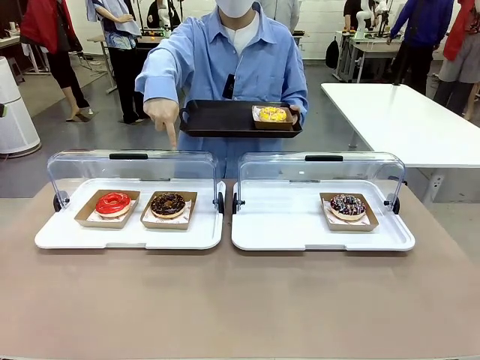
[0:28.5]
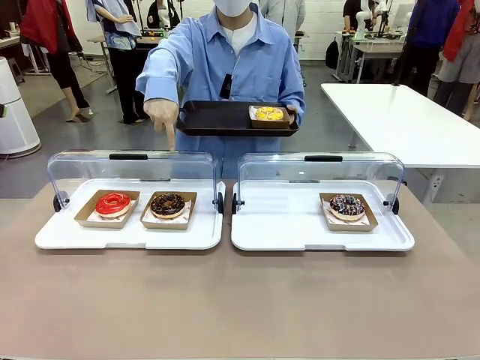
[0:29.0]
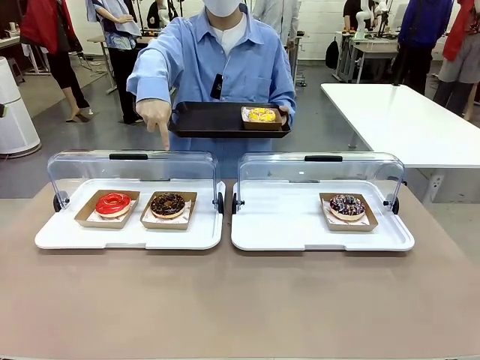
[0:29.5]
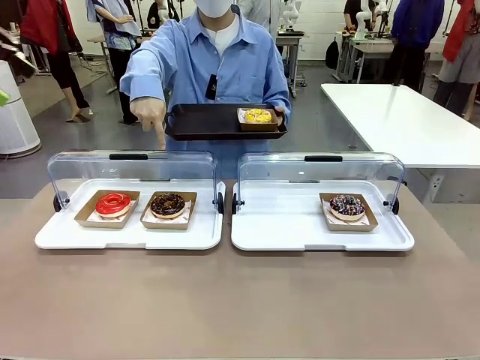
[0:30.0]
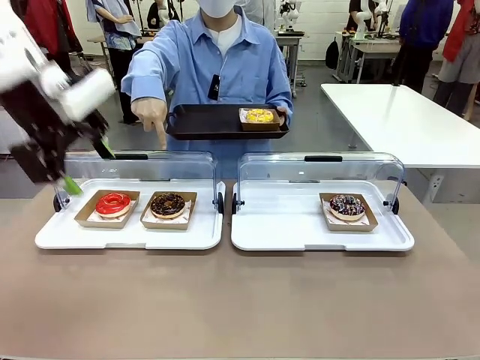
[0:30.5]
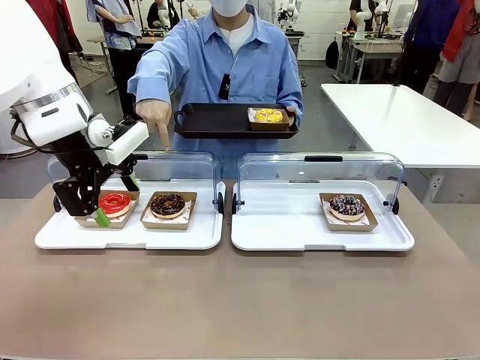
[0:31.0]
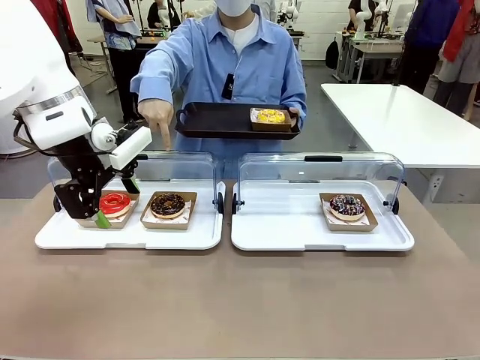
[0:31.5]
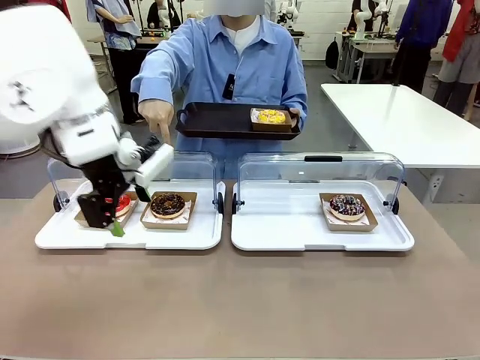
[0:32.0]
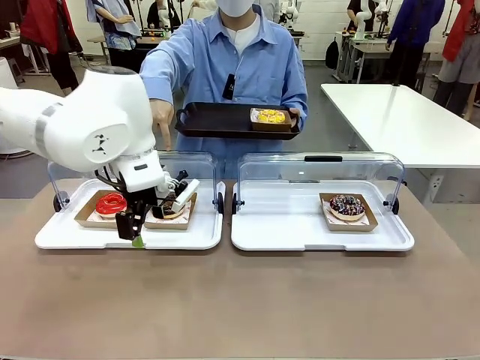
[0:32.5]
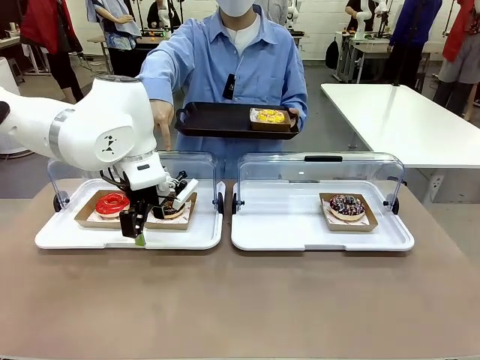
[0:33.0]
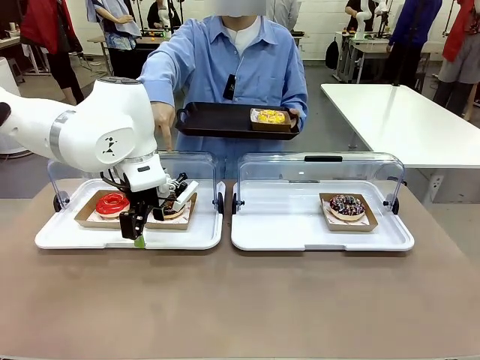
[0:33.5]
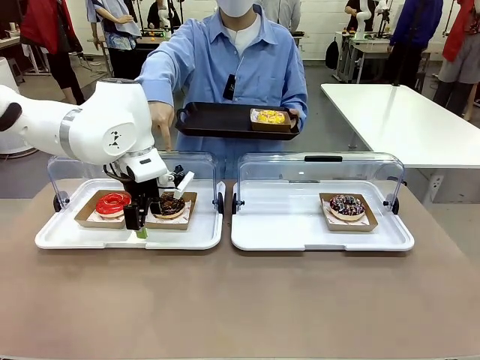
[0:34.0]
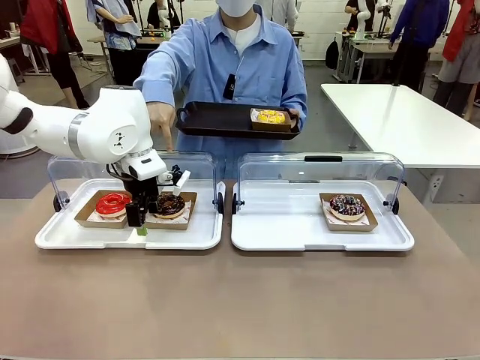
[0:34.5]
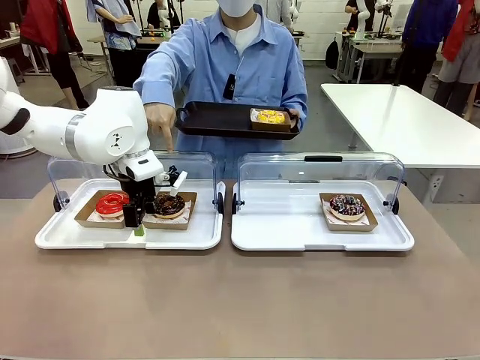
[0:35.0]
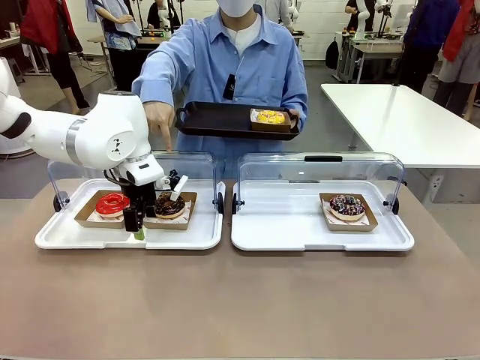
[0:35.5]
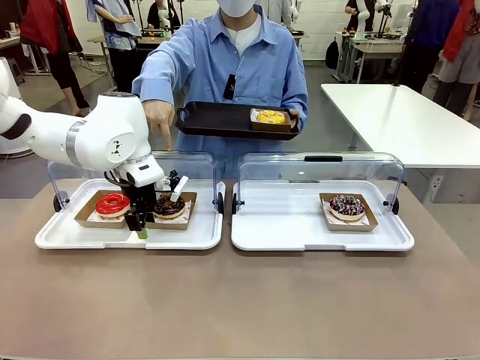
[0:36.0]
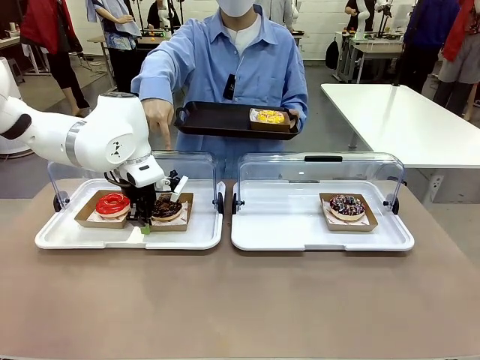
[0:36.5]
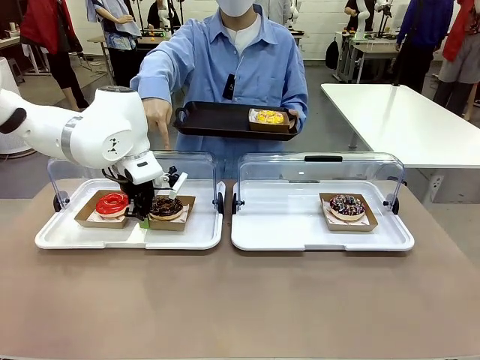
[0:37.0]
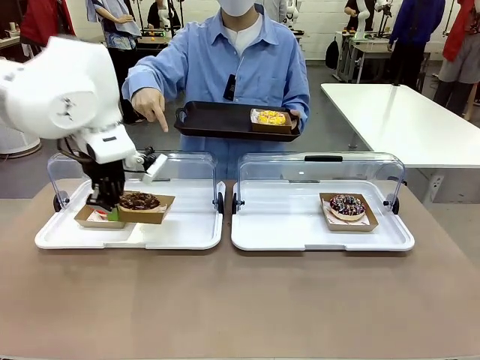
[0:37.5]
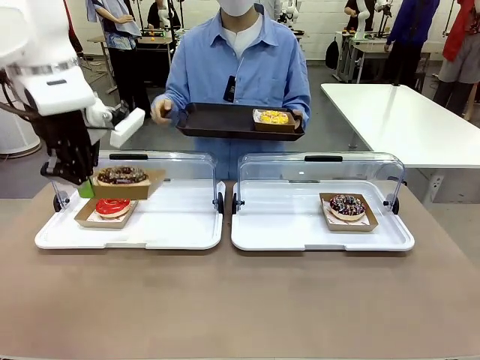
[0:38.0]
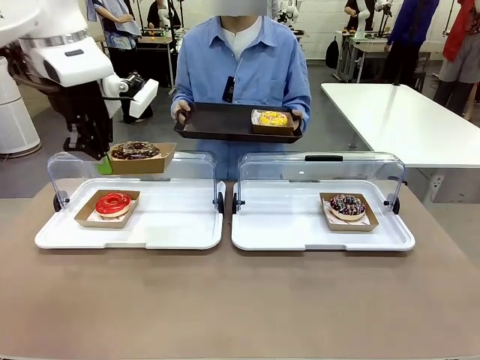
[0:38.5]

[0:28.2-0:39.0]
Task: Provide the desired donut to the person.
Robot: Pick up and lift the Paper togo box containing the Donut pointed at by the person.
Person: Lift the tray onto the Roll-Top Bakery Case.

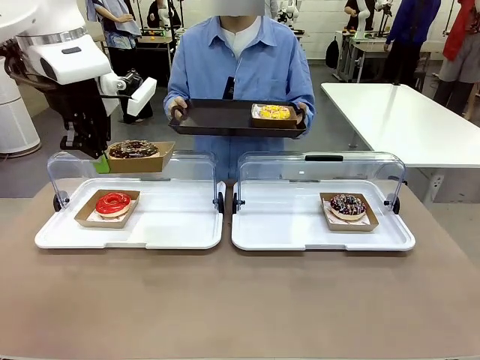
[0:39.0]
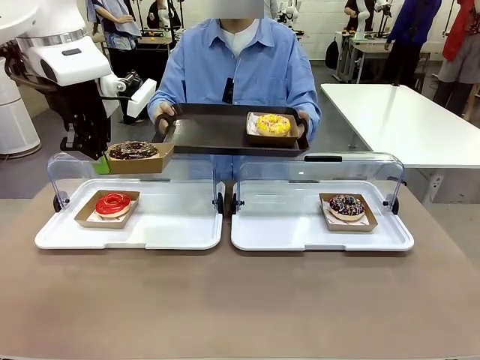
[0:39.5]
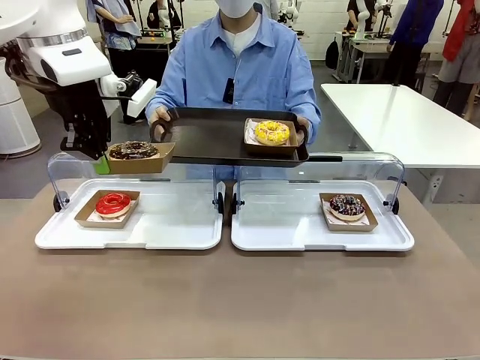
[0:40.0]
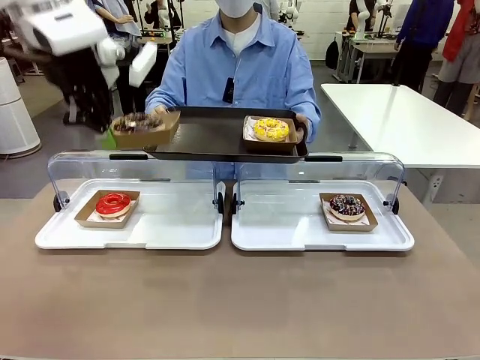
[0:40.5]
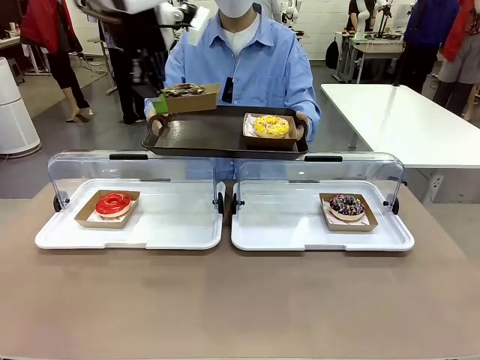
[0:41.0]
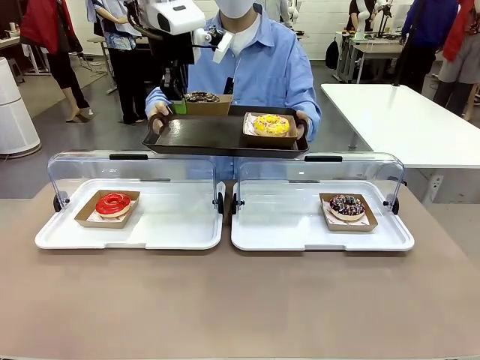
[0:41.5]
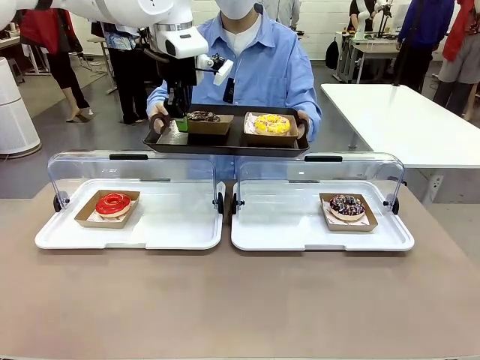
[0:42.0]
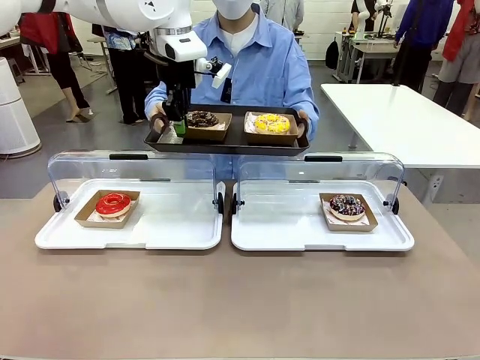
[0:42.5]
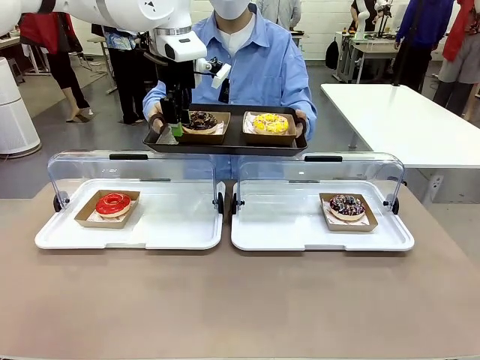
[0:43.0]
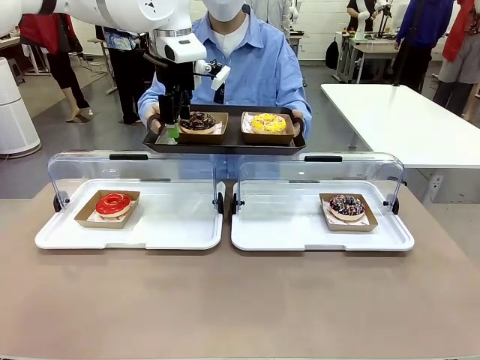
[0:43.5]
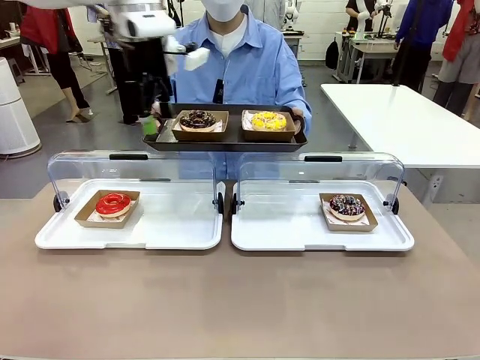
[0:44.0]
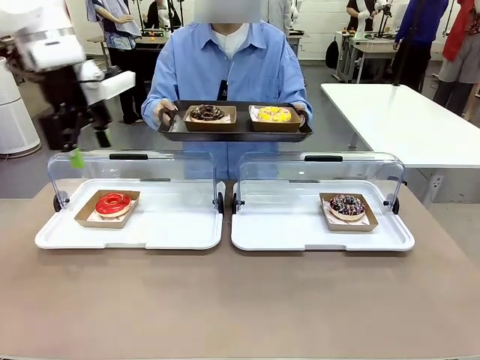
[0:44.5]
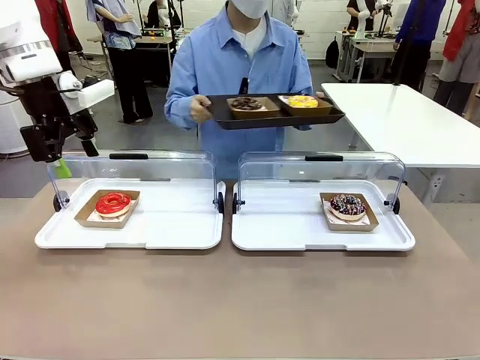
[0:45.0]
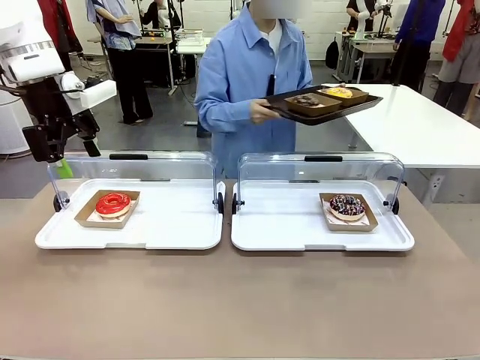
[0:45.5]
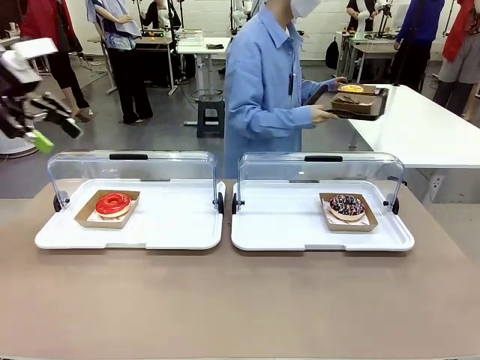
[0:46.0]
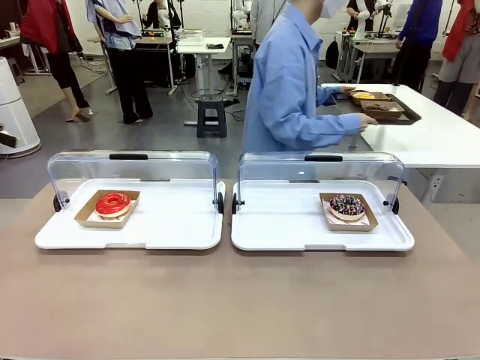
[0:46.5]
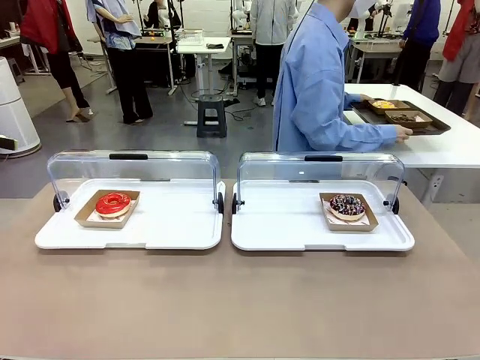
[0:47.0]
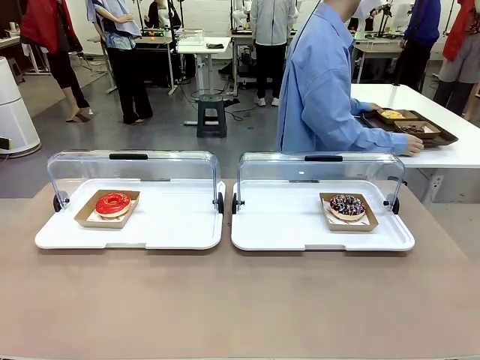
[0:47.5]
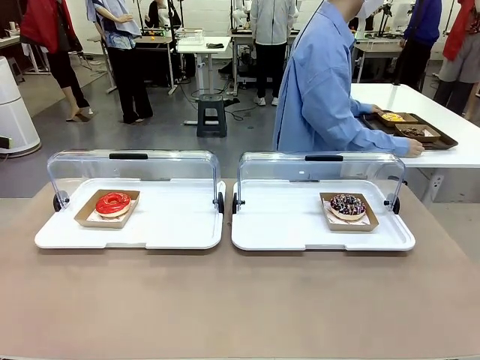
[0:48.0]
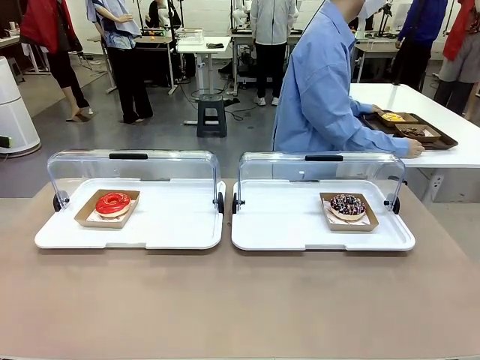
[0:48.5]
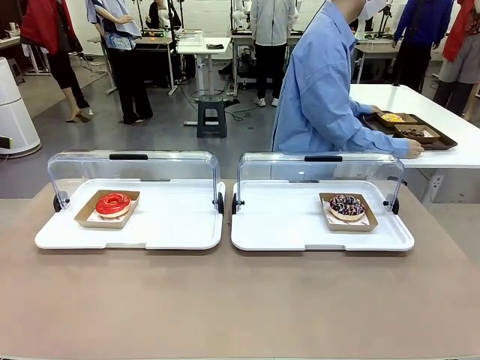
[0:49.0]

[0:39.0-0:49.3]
Robot: Place the picked Paper togo box onto the Handle tray extended by the person.
Person: Place the tray in the middle of the human table.

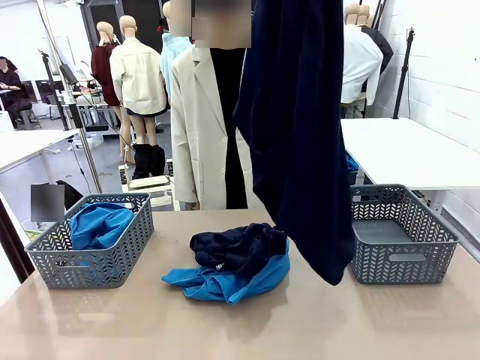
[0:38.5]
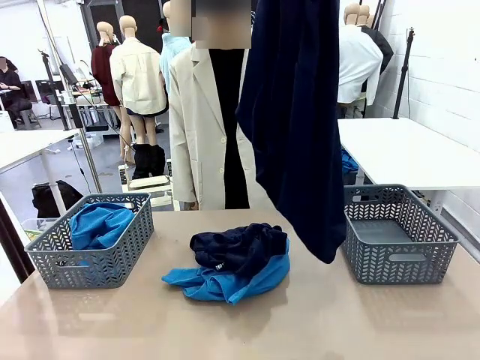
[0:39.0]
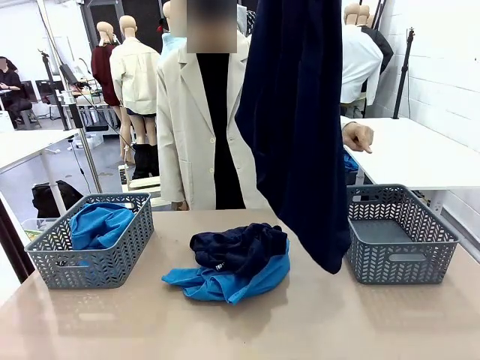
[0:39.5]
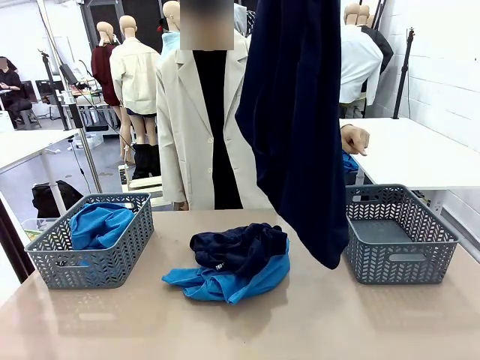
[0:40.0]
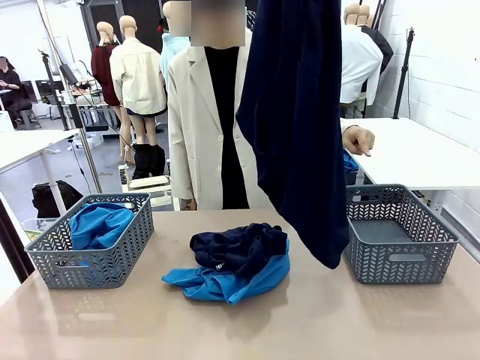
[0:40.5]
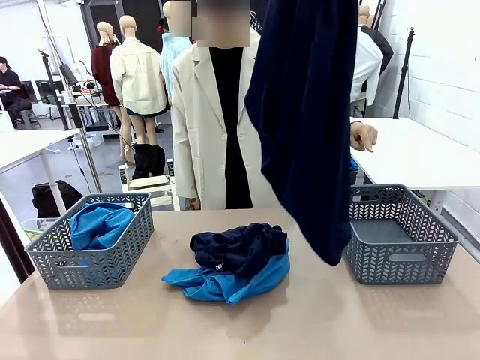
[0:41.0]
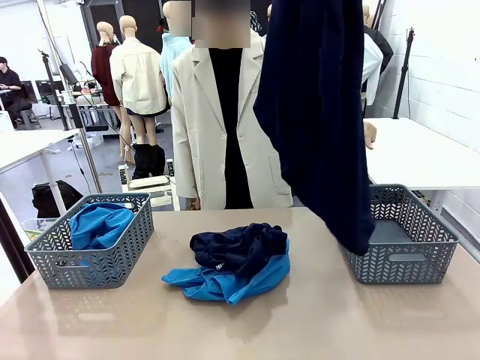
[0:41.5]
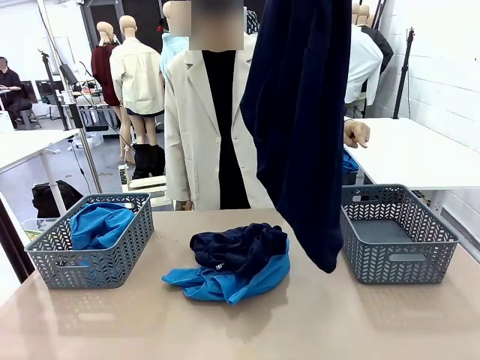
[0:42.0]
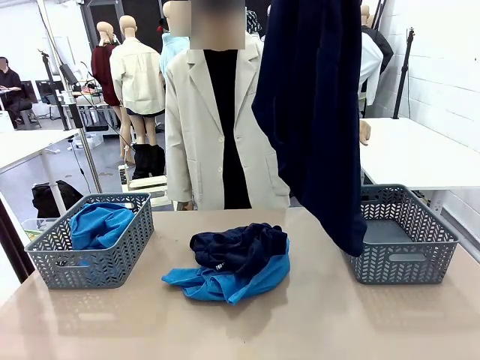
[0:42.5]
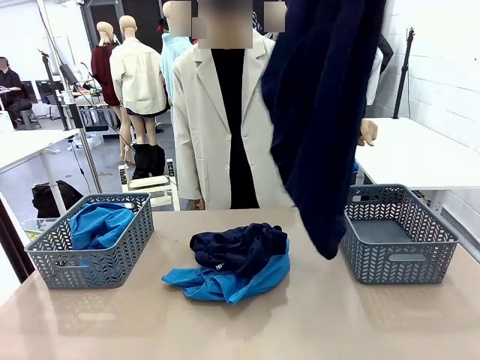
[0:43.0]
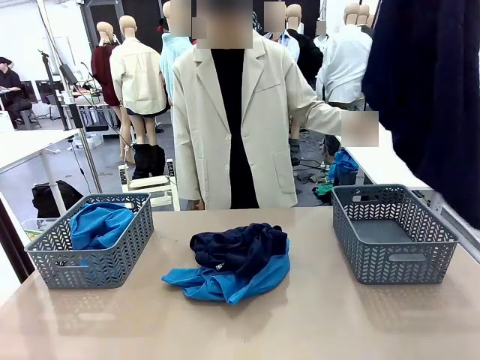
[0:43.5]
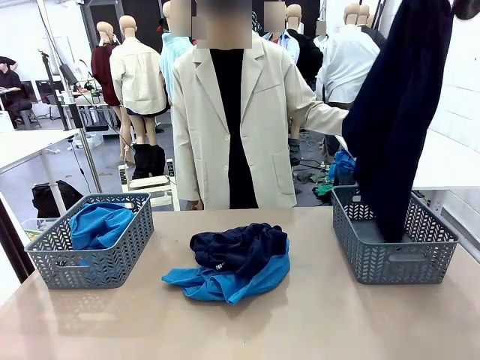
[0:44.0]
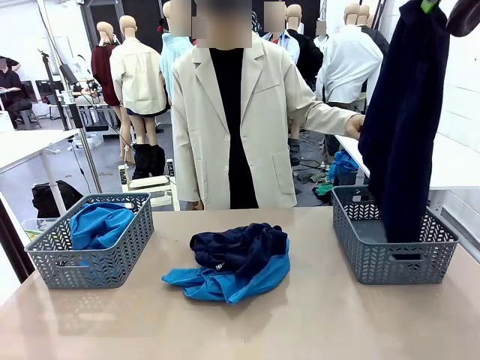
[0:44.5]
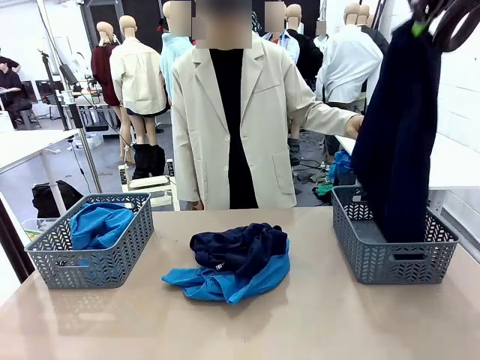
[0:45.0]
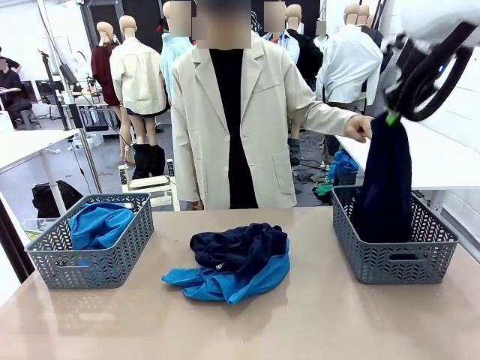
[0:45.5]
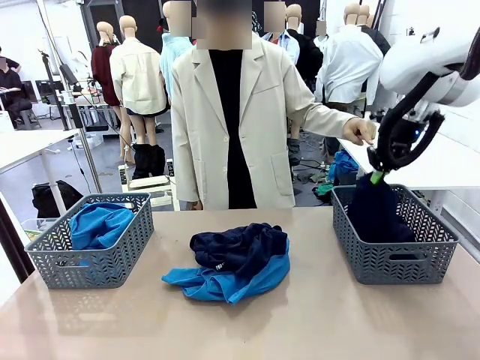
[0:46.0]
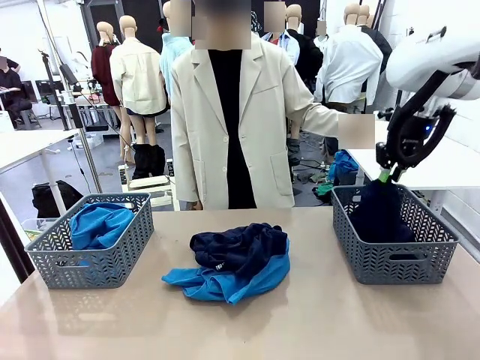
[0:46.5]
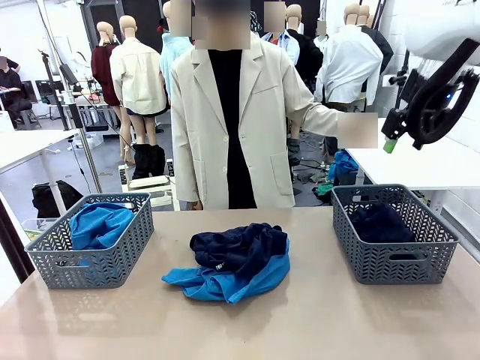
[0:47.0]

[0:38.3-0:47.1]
Task: Sort the tops and bottoms.
Robot: Sort the clothes according to human instructions.
